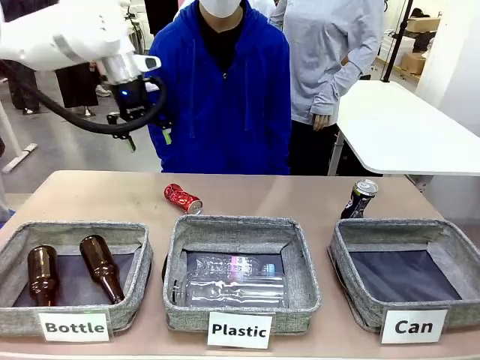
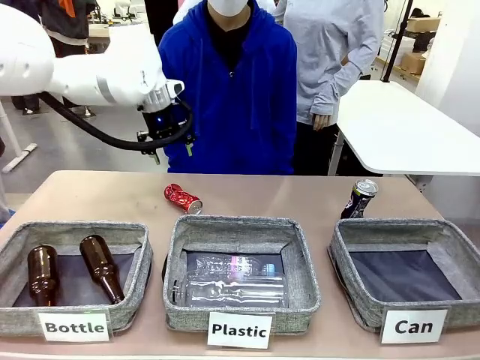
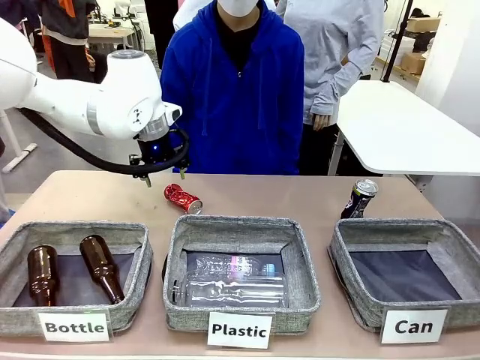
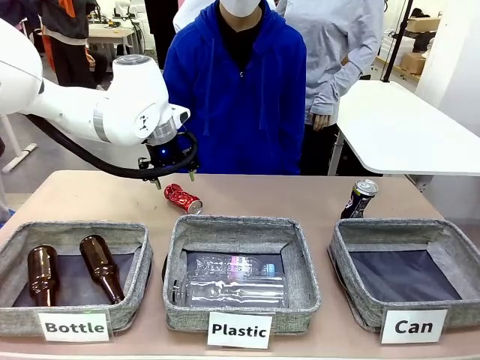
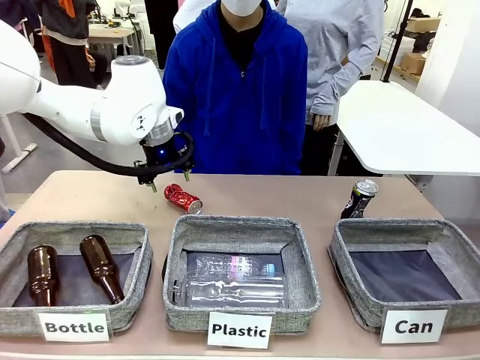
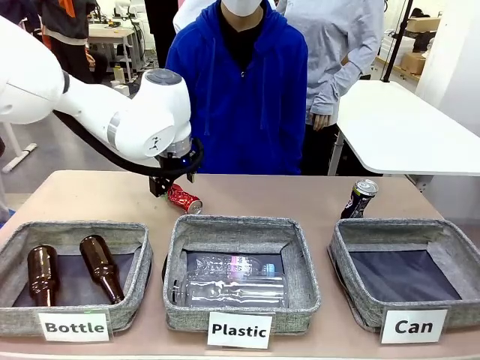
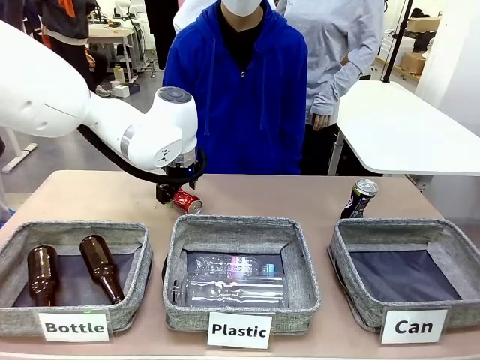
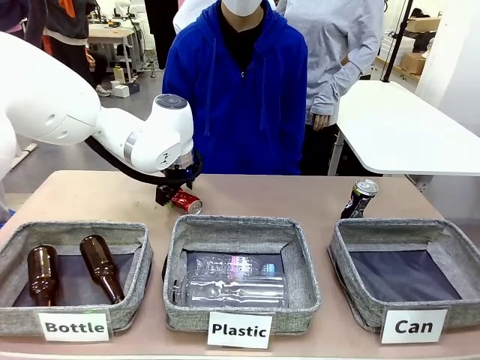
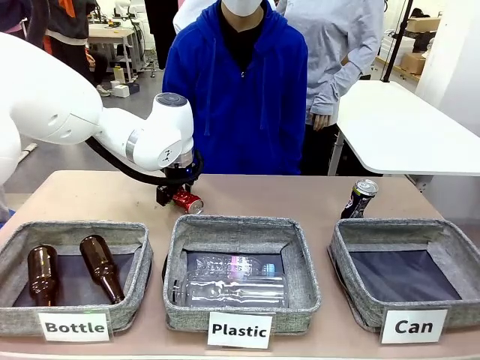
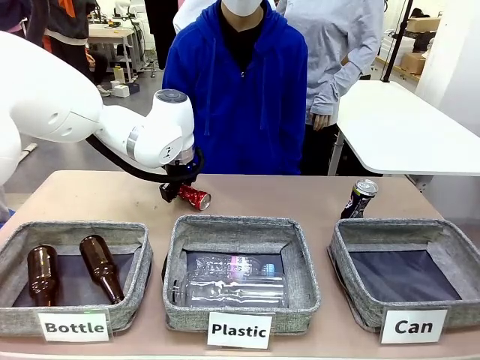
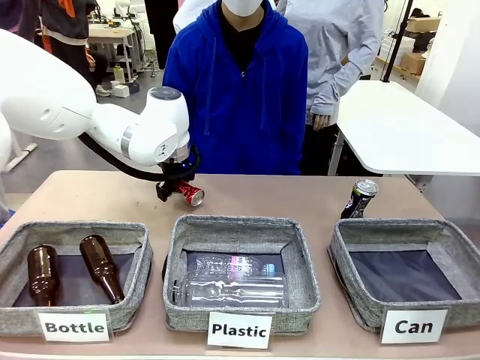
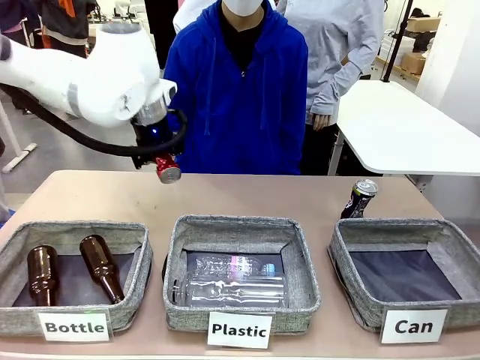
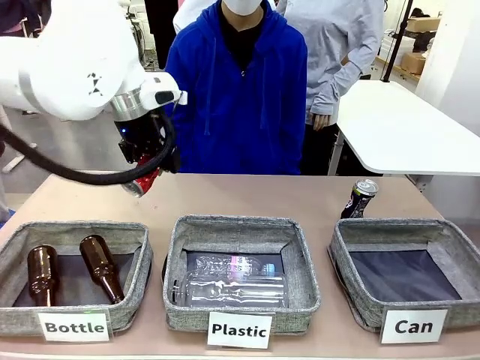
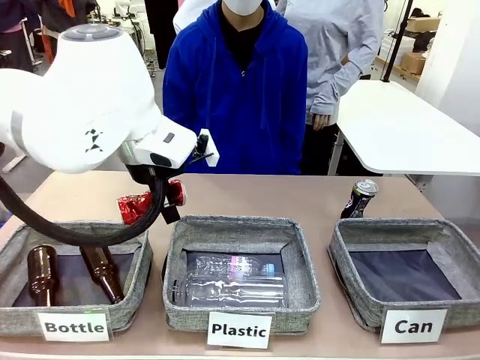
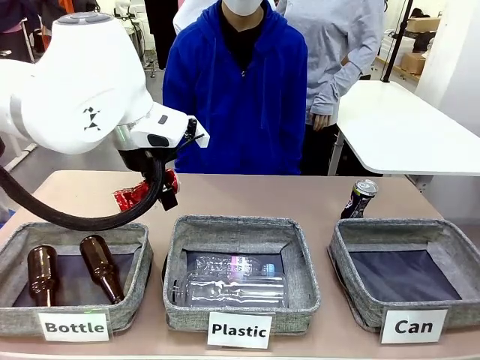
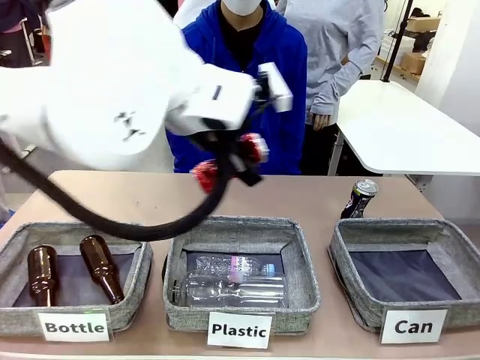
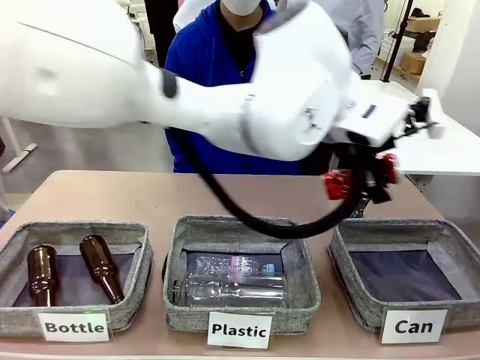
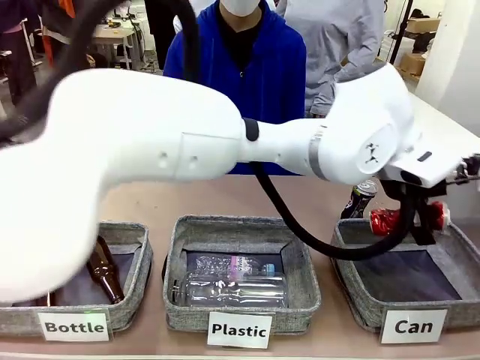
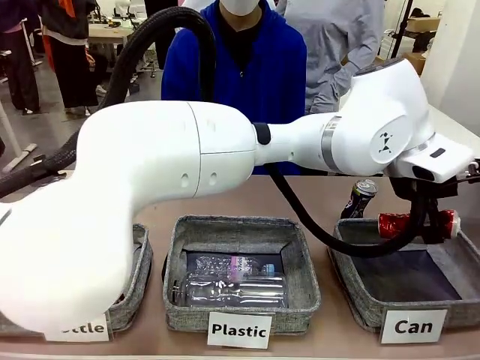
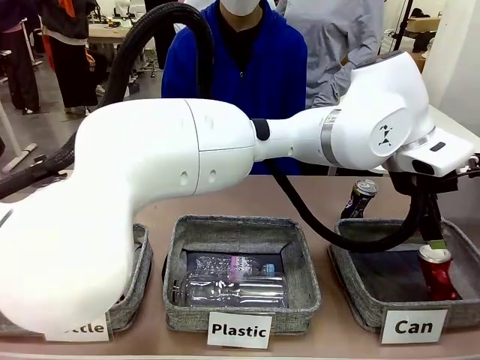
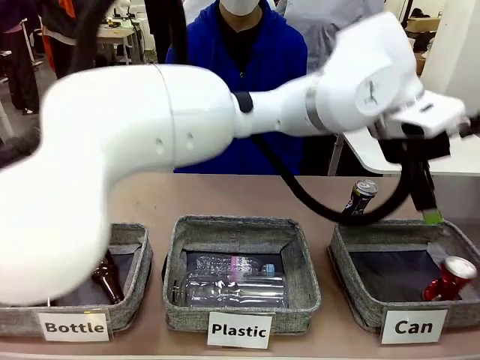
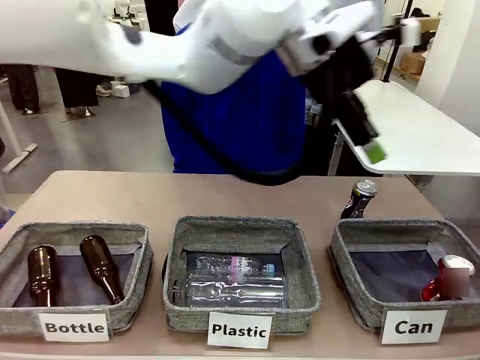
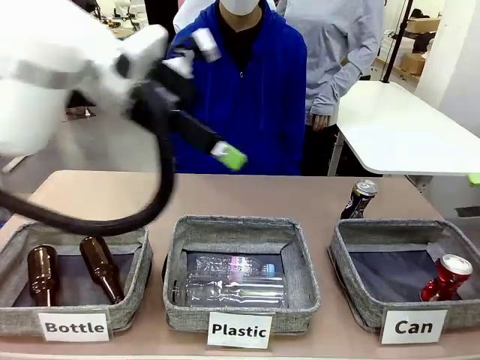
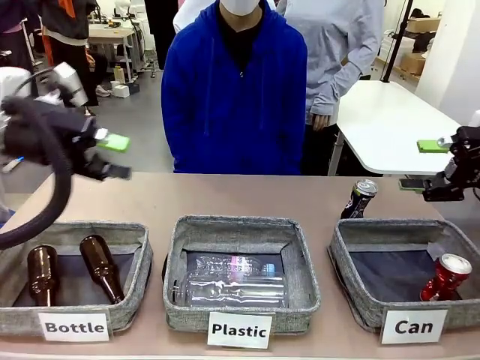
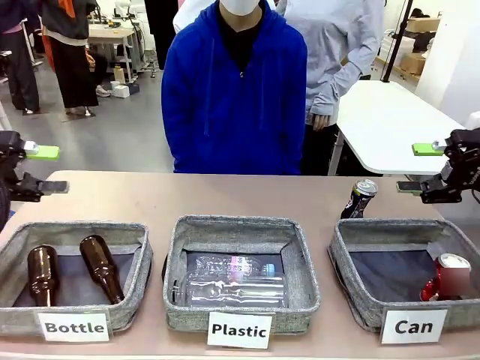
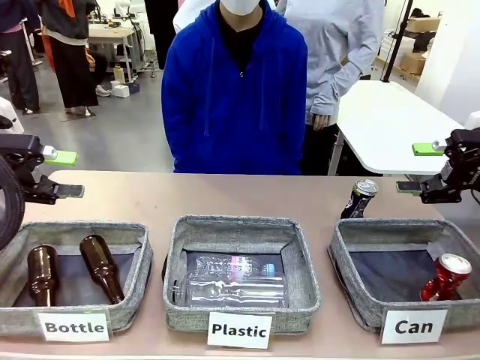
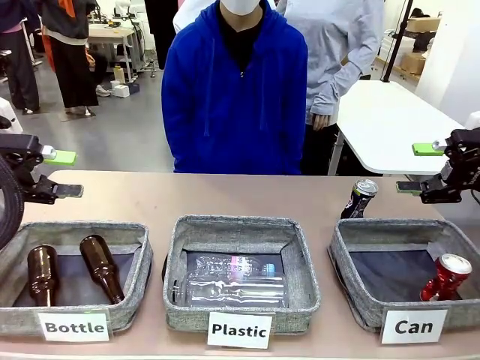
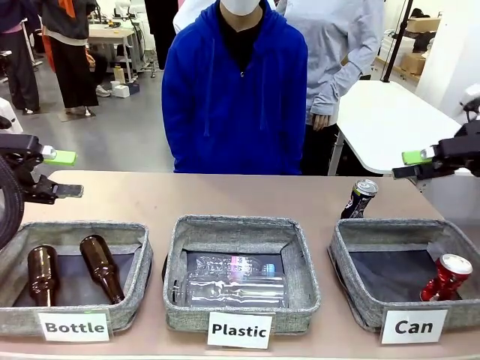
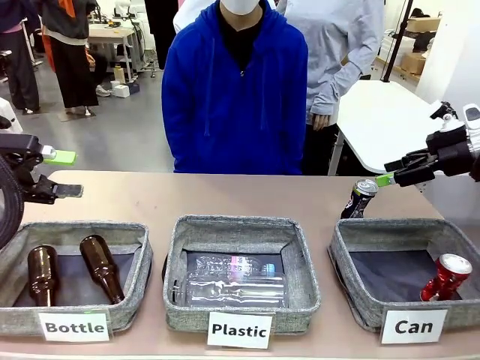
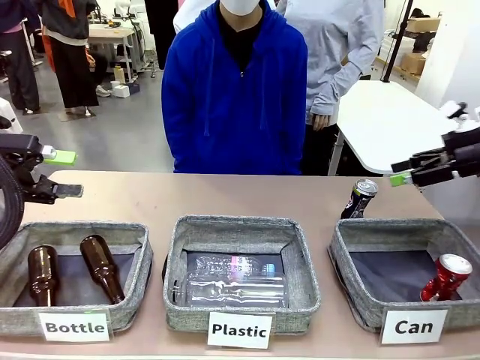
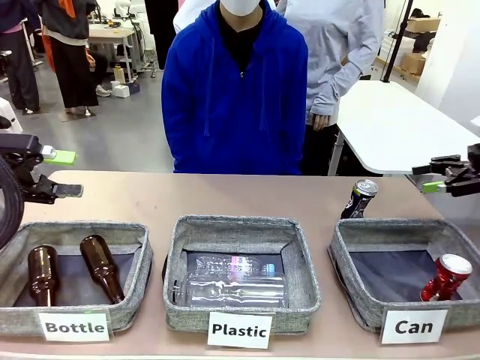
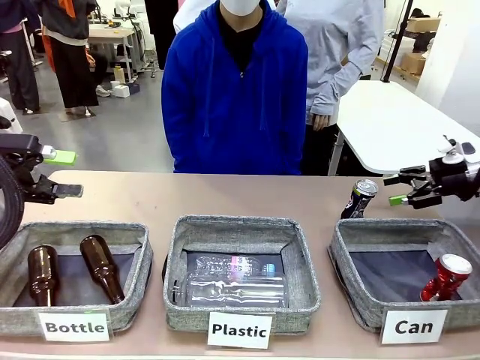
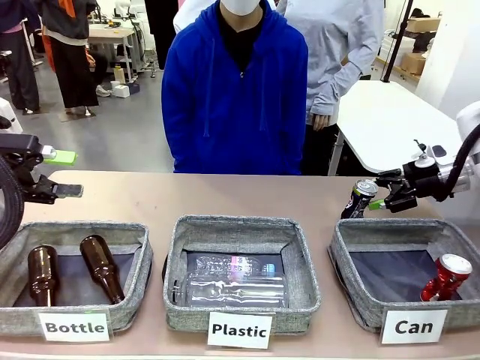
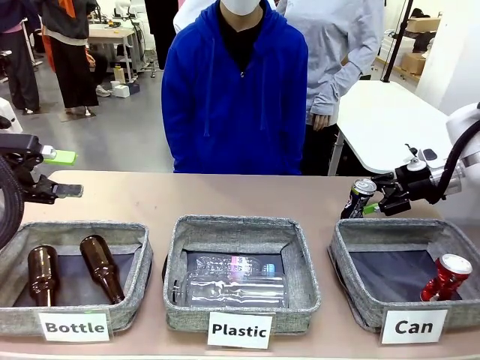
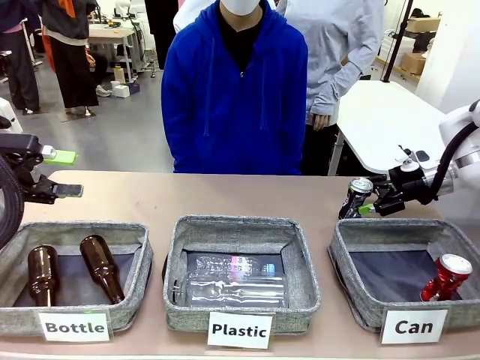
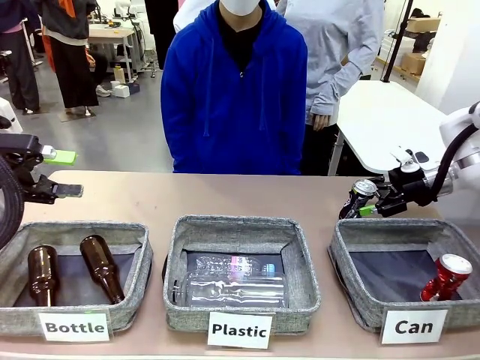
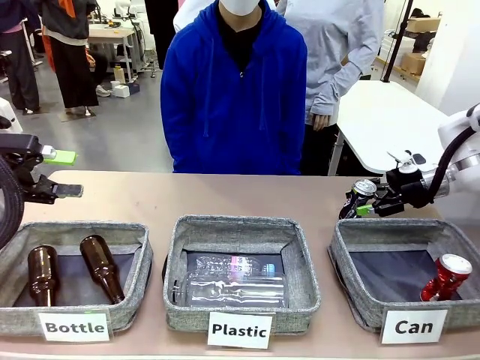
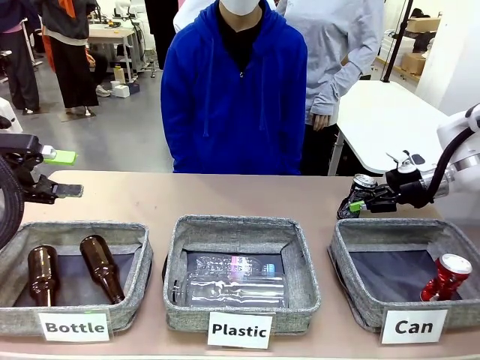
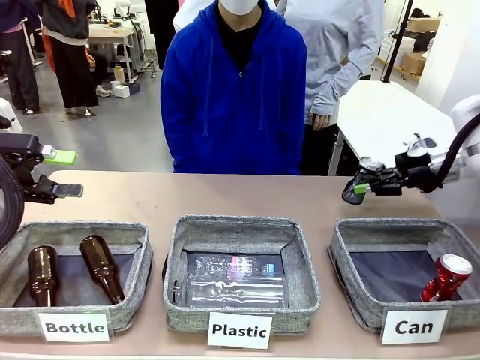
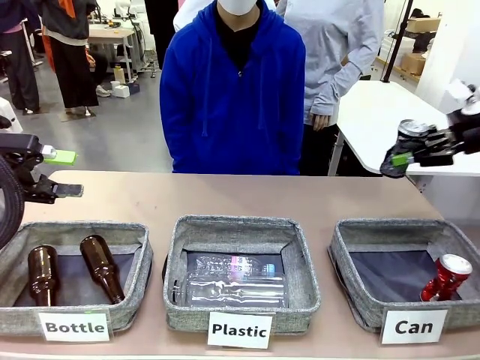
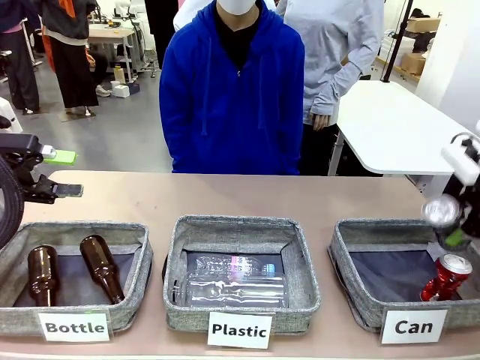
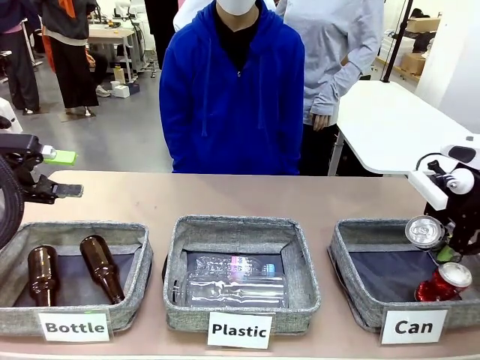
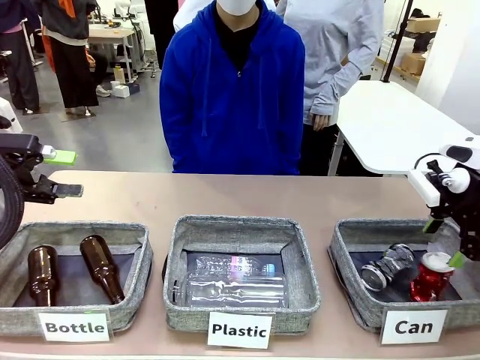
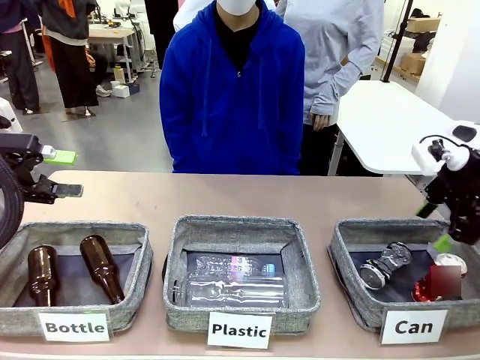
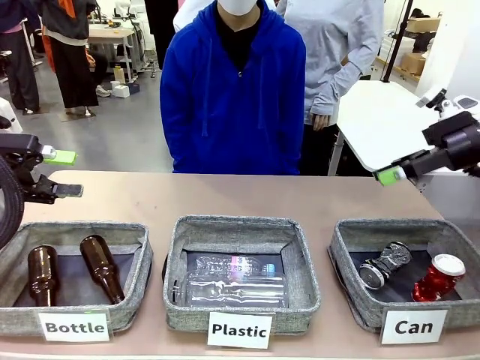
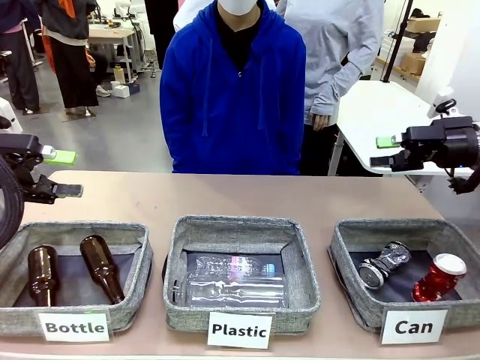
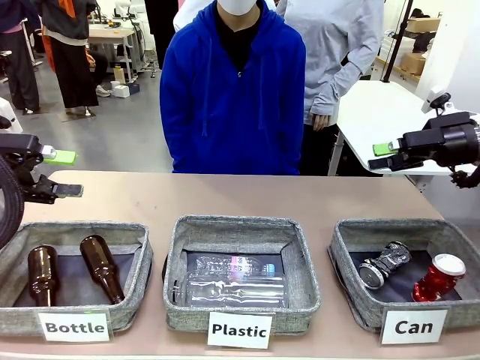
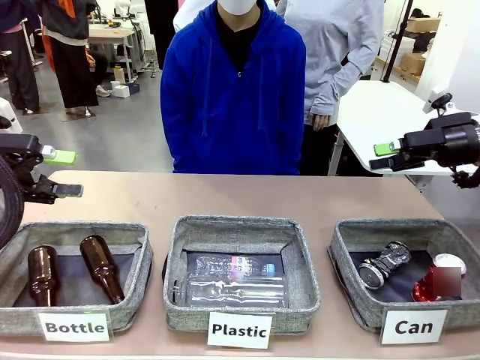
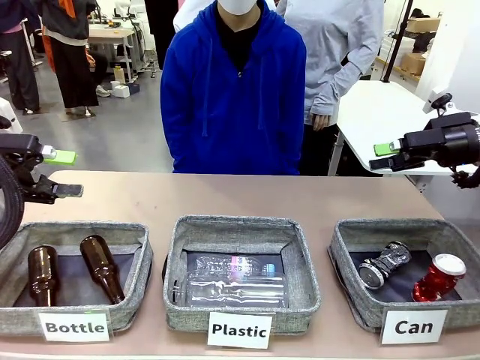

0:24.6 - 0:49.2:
Task: Sort the can waste into the basket.
Robot: Pick up the can waste from the table and place it in the right Fabric basket.
